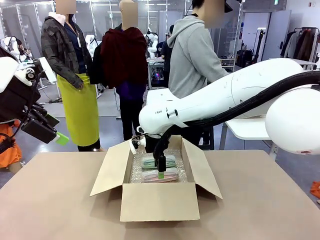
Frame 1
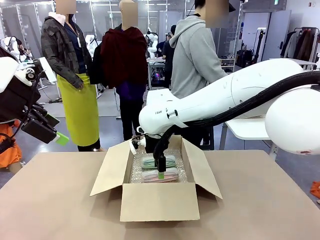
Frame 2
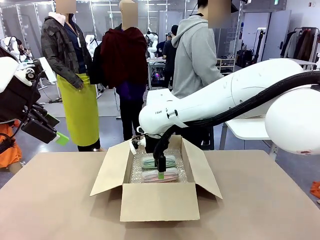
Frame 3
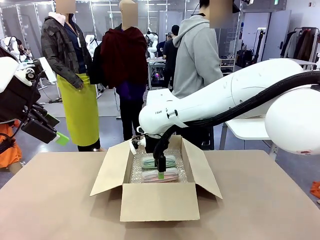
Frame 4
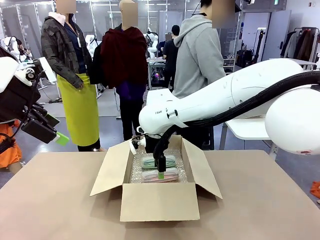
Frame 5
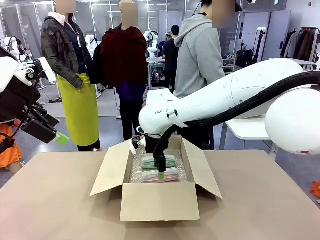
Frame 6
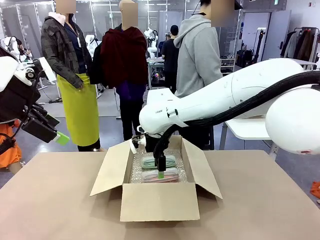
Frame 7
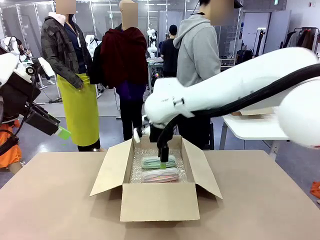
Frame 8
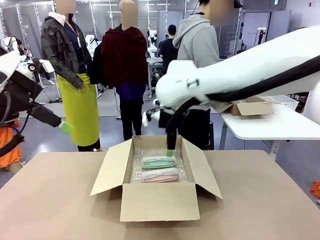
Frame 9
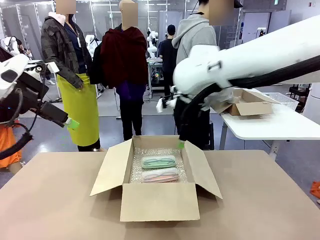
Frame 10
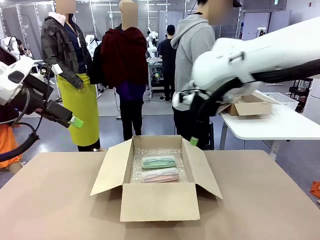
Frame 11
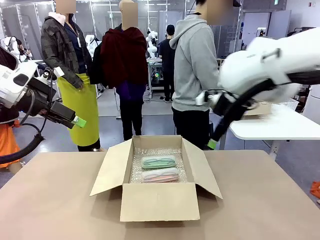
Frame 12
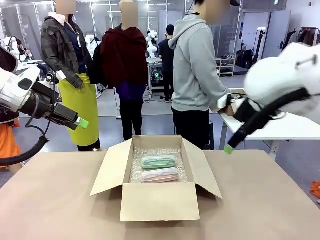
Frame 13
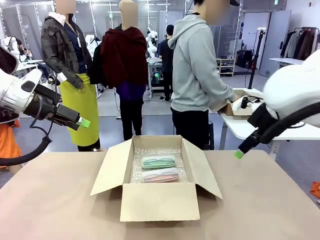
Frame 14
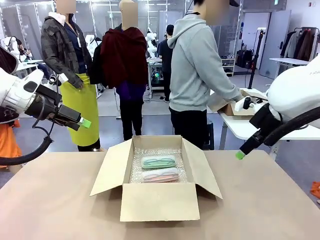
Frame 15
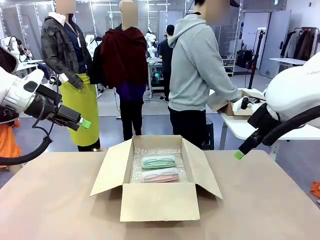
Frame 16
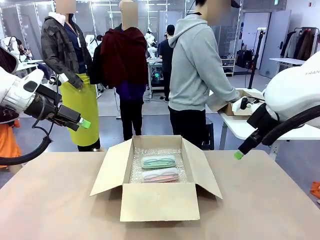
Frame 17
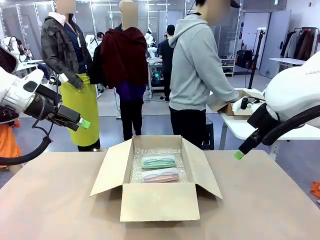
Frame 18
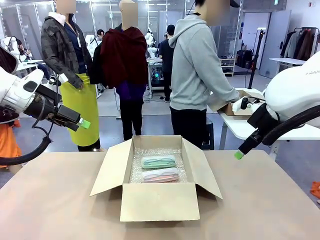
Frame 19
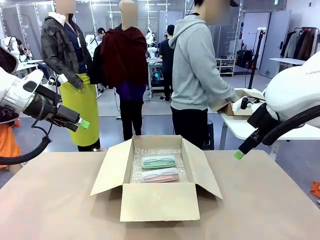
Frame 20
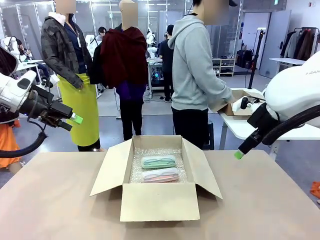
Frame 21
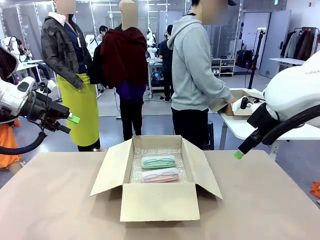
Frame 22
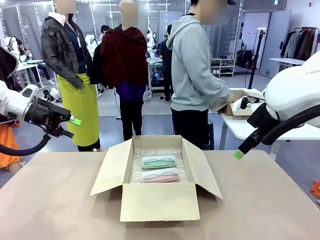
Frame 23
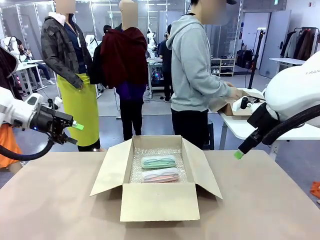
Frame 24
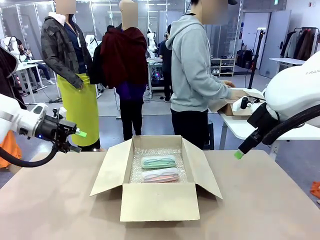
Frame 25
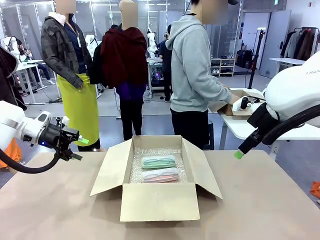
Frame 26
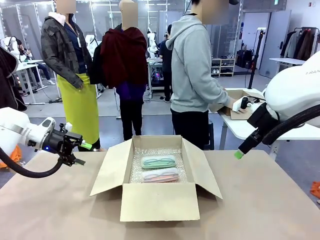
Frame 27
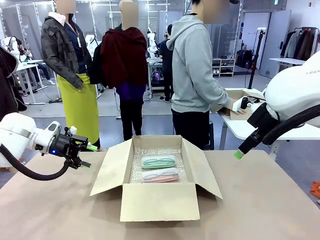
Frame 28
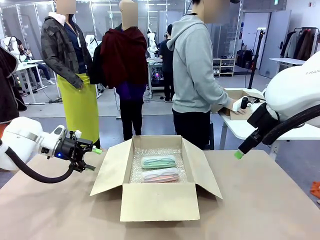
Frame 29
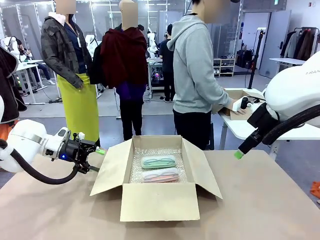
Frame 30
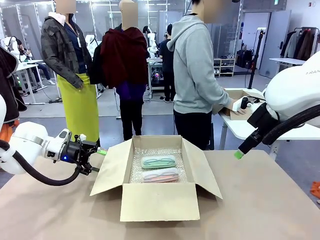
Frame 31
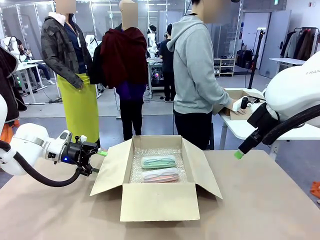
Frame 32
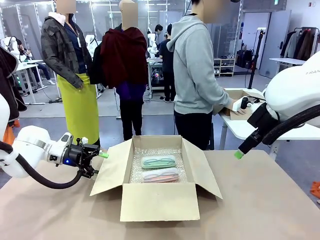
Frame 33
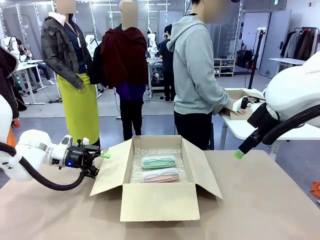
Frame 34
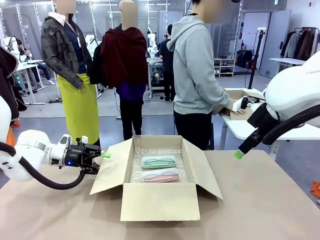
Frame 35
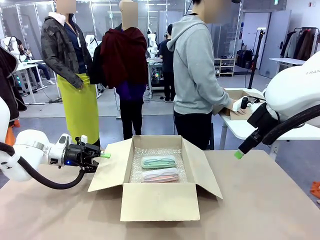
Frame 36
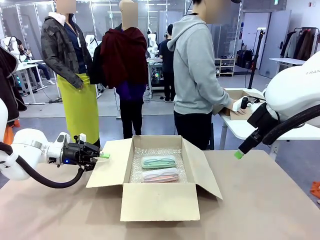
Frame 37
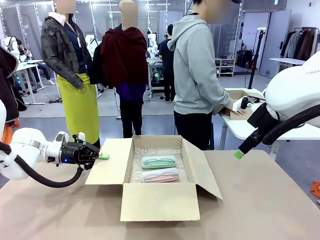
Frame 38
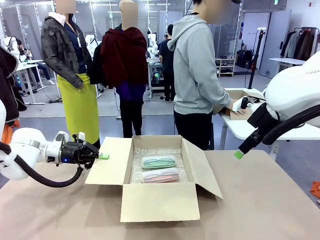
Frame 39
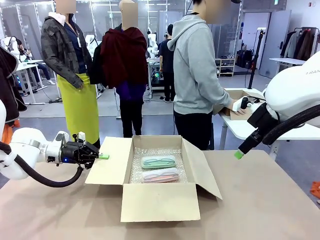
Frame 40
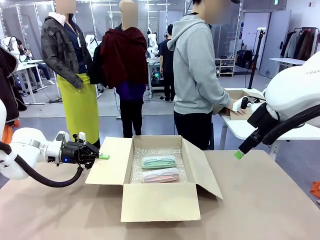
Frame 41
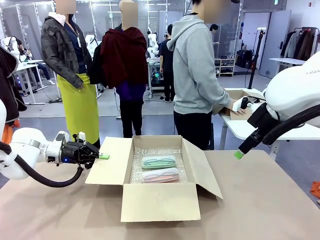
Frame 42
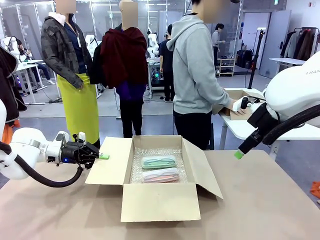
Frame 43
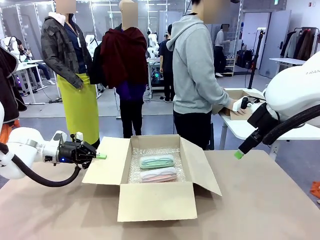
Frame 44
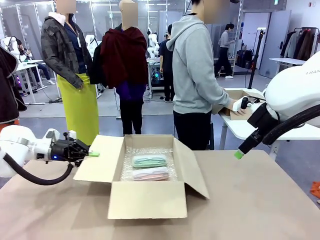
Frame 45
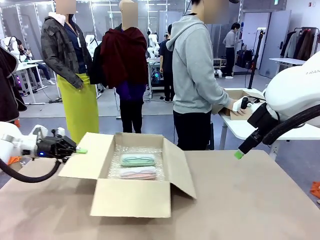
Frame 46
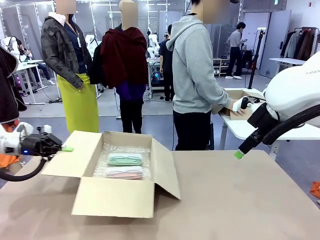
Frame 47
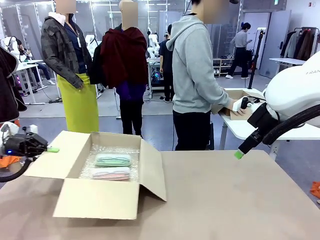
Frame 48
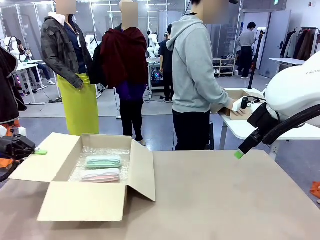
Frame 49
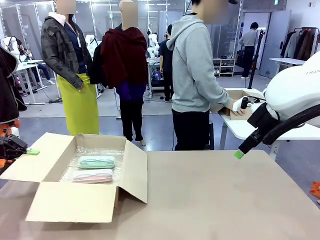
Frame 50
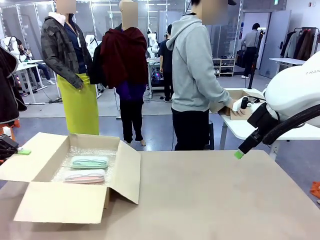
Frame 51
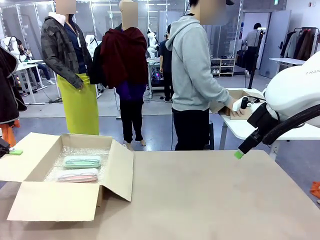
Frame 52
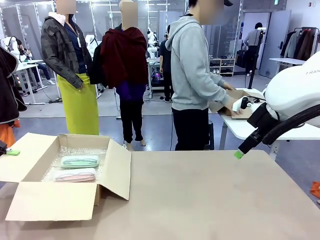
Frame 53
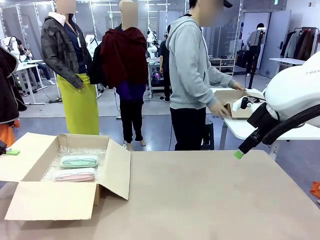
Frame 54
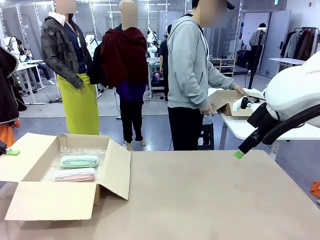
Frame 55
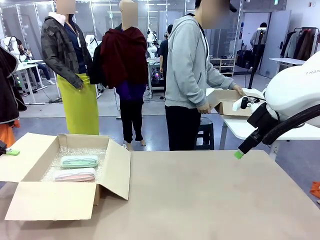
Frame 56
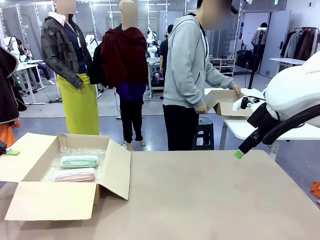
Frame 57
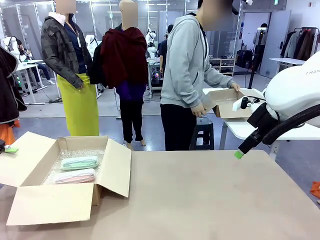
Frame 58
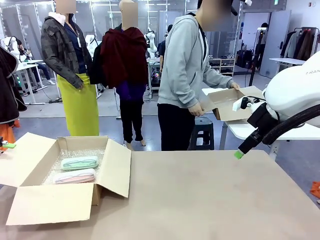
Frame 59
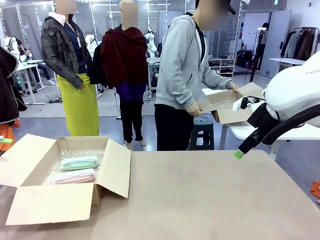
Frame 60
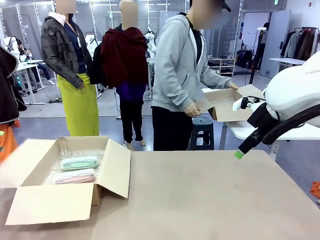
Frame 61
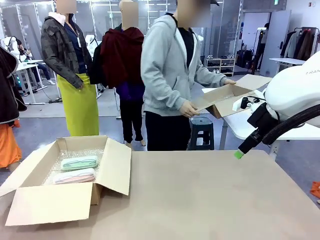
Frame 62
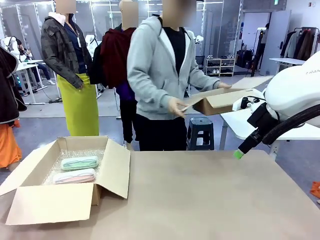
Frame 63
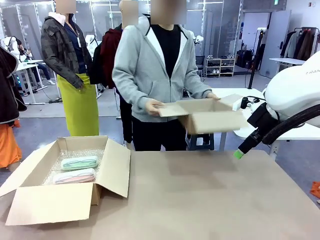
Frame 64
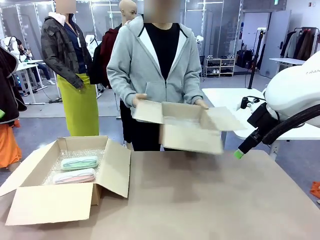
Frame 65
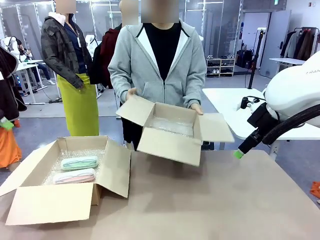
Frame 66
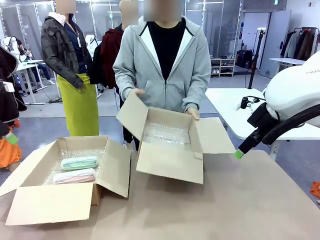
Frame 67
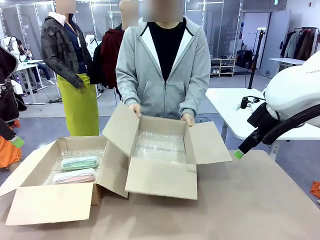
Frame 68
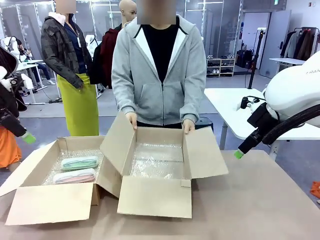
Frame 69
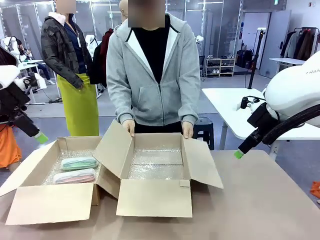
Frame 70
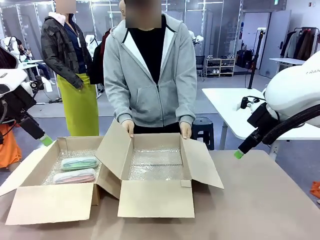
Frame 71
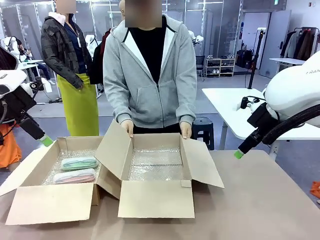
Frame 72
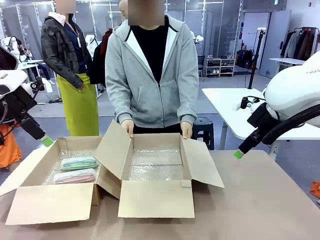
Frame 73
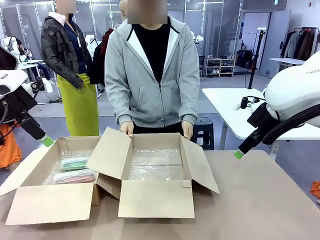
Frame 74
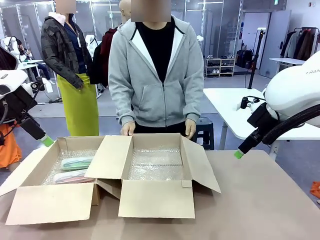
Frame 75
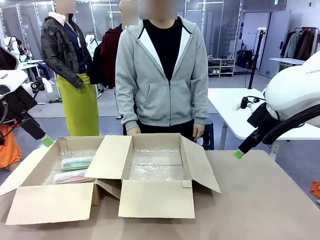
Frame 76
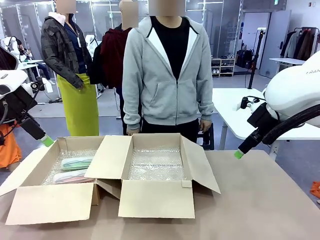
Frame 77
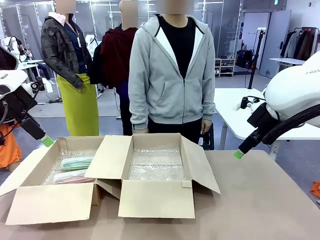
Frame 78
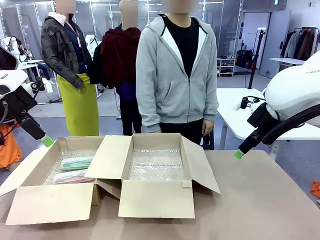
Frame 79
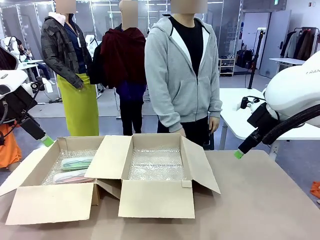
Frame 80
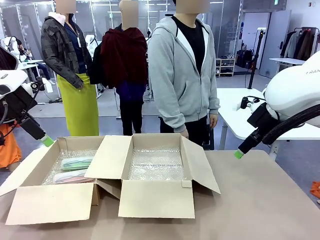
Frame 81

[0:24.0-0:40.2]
Task: Pack the glasses set securely to prepare it for shipping.
Robot: Position the Package Box on the left side of the table.
Person: Position the empty Package Box in the middle of the robot's table.

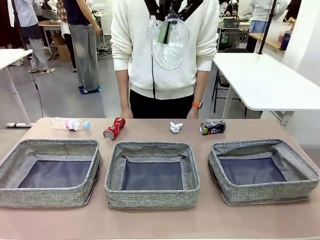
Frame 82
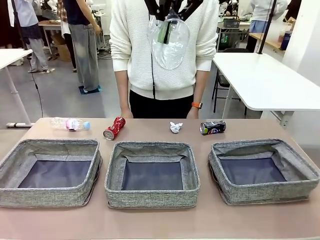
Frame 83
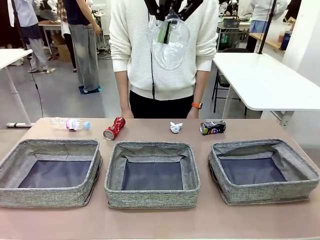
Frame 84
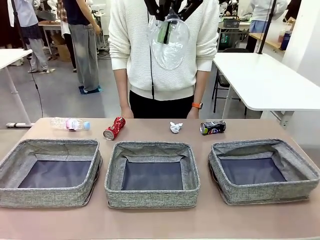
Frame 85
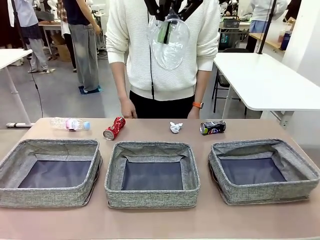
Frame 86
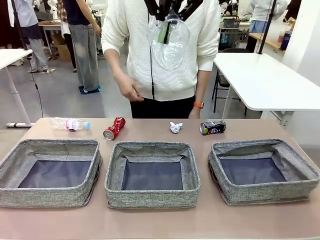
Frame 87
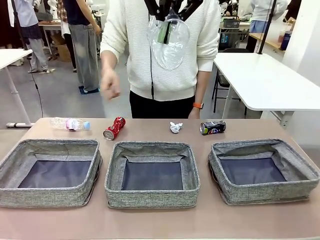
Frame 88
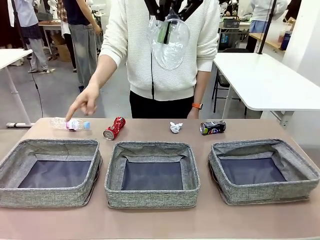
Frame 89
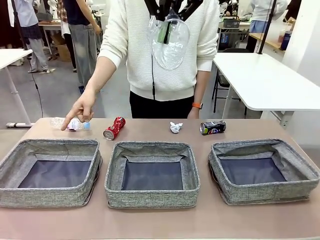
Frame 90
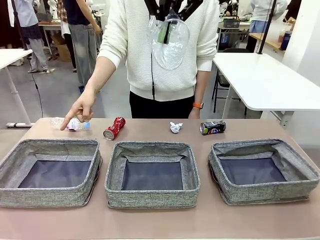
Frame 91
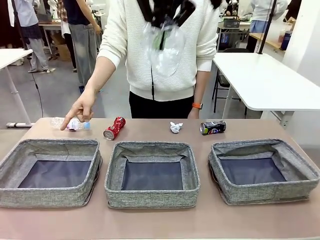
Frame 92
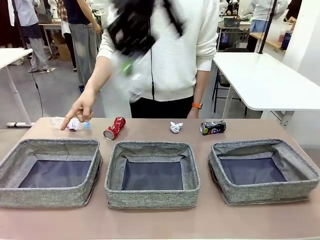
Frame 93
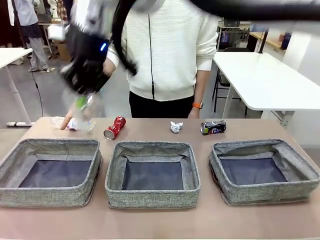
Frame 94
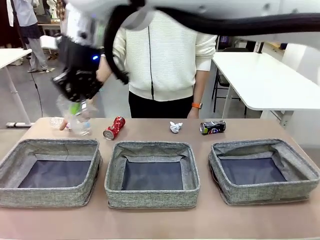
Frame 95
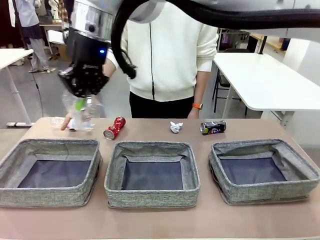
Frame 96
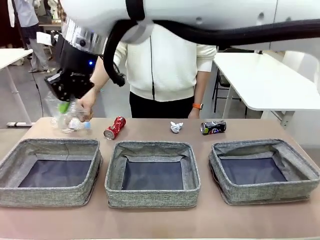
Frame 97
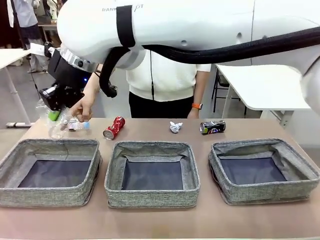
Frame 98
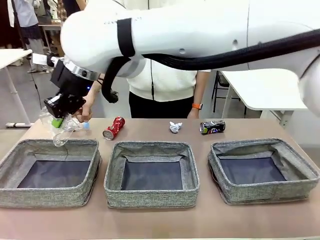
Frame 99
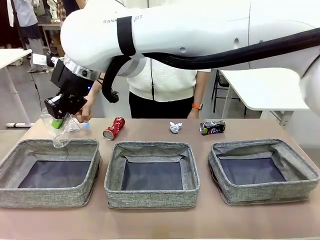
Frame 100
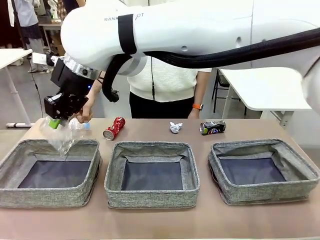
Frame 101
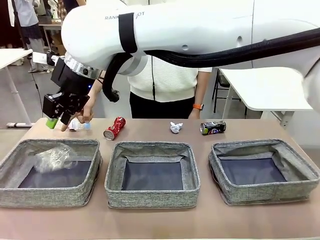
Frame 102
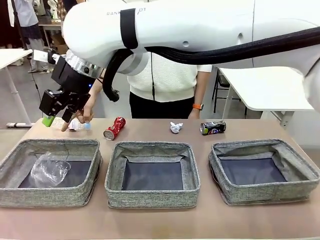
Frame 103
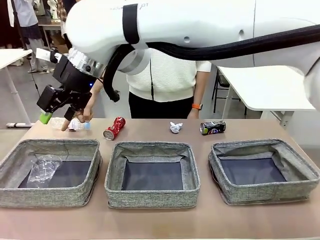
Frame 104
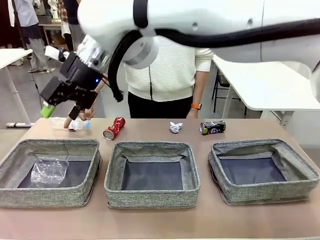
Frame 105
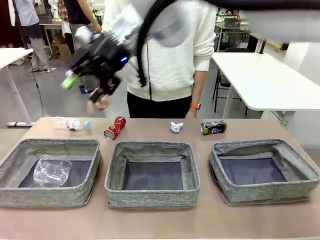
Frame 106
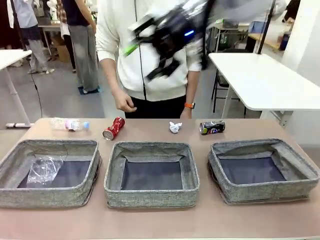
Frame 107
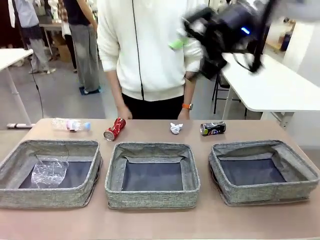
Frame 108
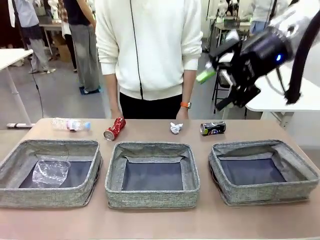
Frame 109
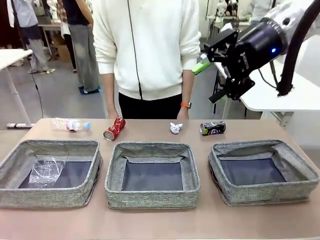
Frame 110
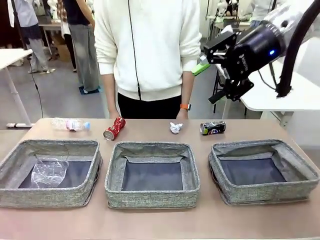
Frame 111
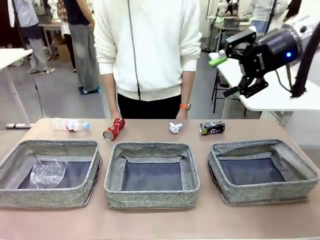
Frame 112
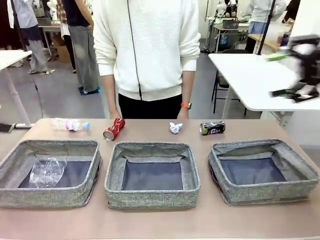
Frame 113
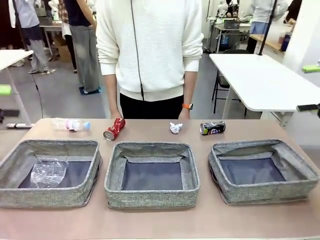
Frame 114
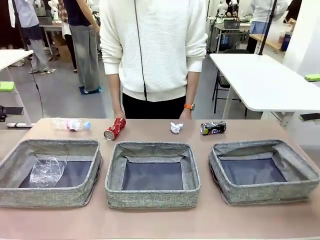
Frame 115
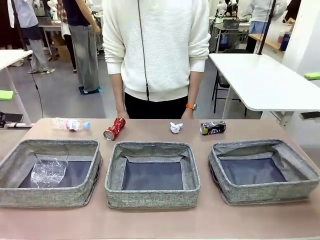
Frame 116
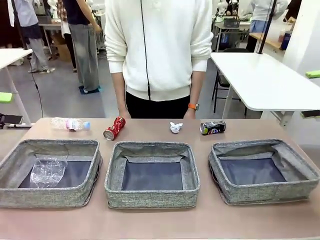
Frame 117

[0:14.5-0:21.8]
Task: Sort the waste into the appropriate baskets.
Robot: Place the picked waste into the Fabric basket indicated by the person.
Person: Instructs the robot to place the picked-up trash into the appropriate organizing basket.
